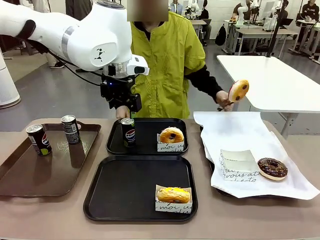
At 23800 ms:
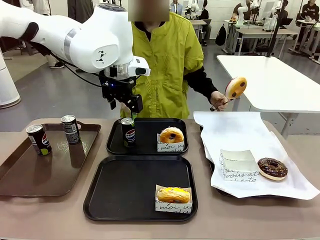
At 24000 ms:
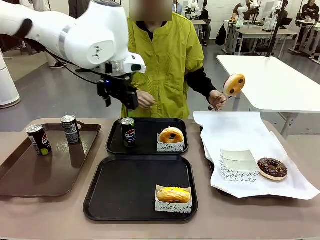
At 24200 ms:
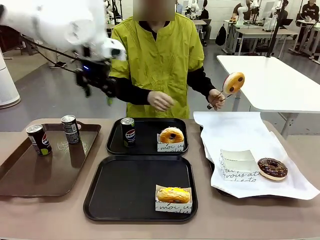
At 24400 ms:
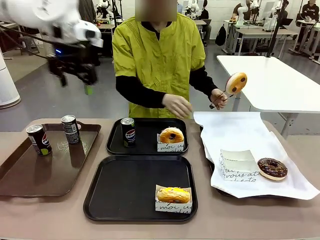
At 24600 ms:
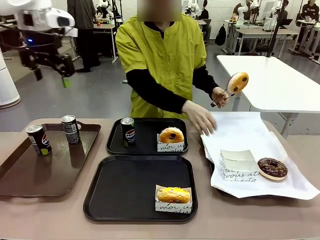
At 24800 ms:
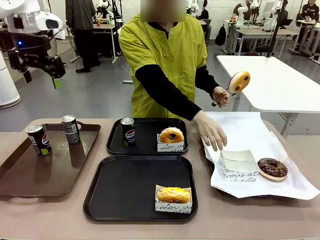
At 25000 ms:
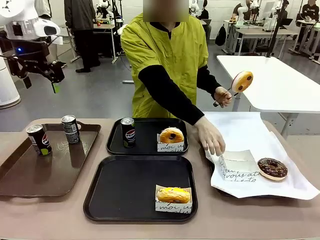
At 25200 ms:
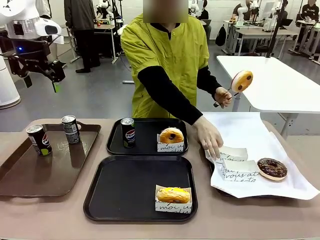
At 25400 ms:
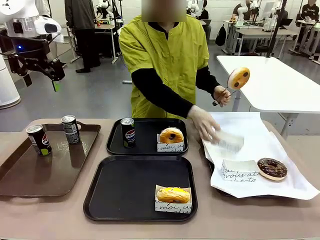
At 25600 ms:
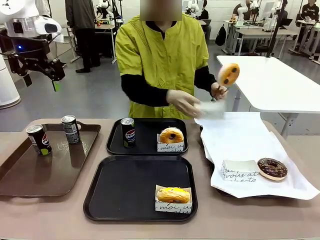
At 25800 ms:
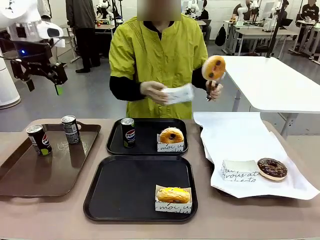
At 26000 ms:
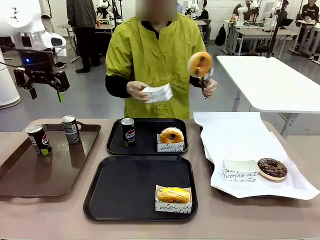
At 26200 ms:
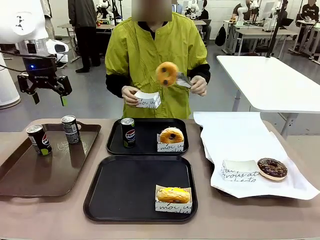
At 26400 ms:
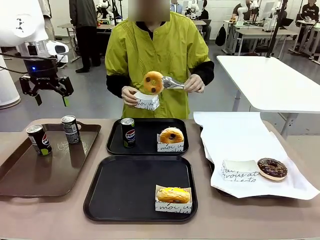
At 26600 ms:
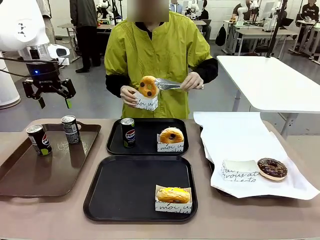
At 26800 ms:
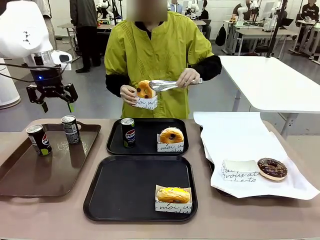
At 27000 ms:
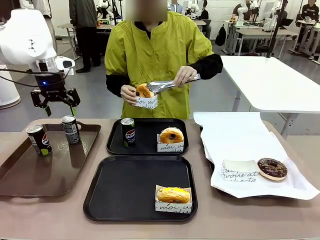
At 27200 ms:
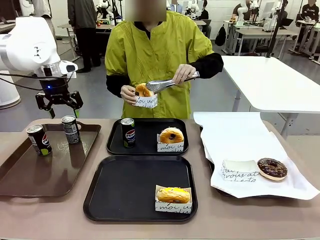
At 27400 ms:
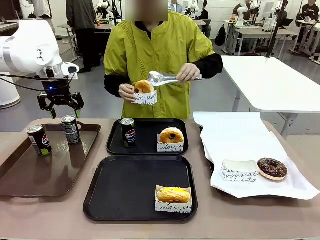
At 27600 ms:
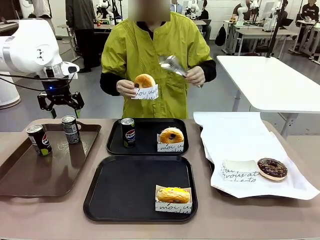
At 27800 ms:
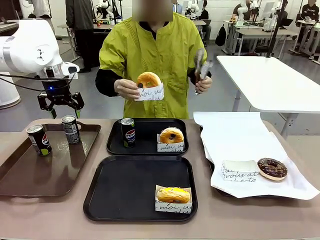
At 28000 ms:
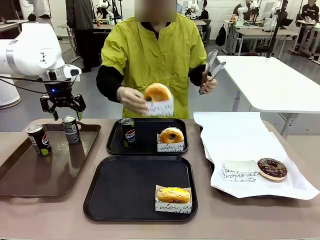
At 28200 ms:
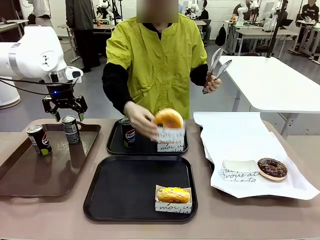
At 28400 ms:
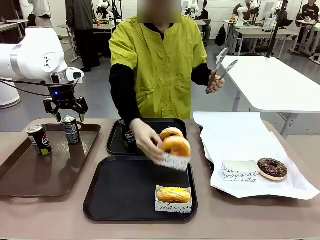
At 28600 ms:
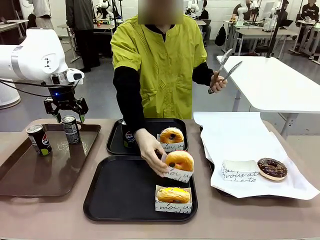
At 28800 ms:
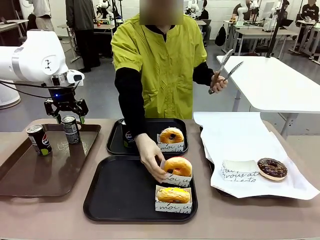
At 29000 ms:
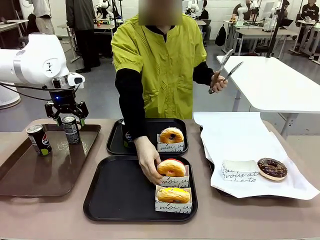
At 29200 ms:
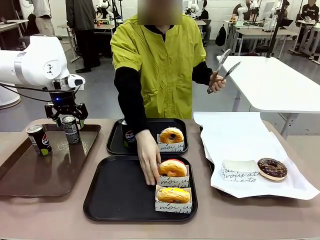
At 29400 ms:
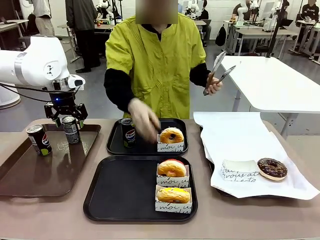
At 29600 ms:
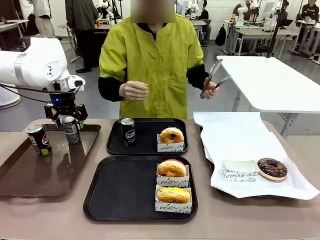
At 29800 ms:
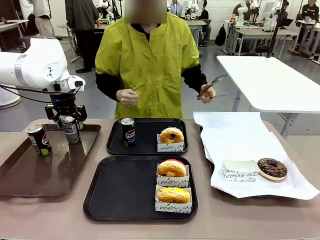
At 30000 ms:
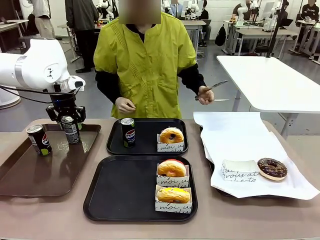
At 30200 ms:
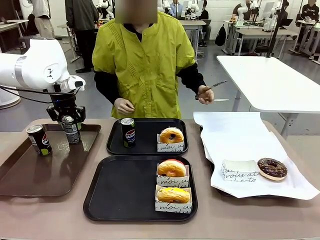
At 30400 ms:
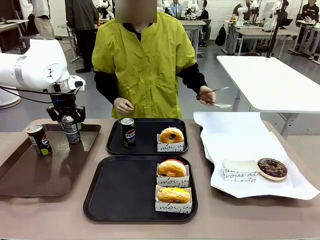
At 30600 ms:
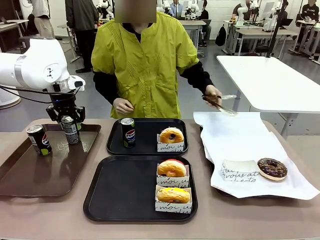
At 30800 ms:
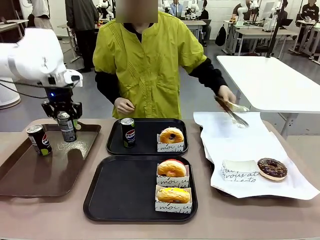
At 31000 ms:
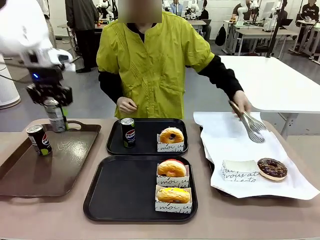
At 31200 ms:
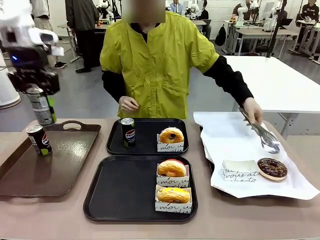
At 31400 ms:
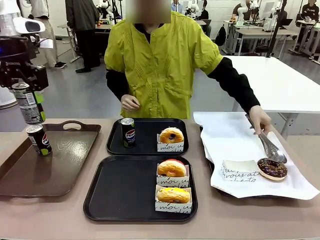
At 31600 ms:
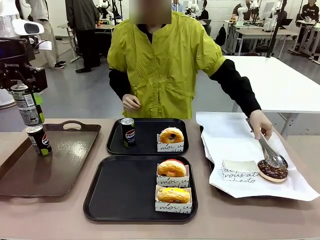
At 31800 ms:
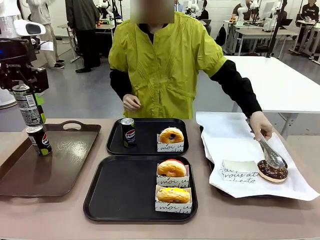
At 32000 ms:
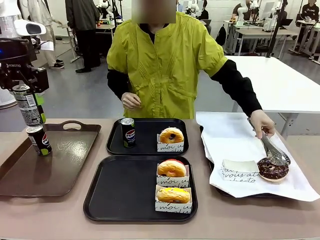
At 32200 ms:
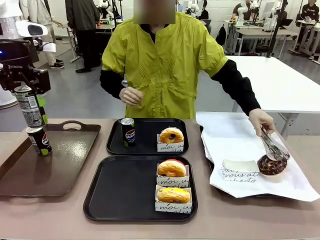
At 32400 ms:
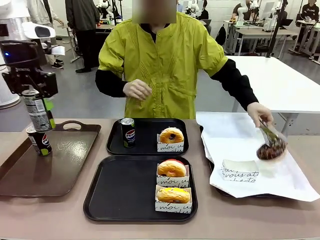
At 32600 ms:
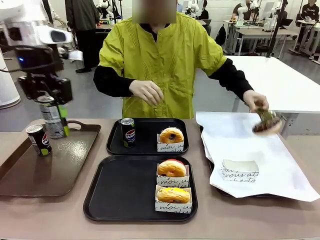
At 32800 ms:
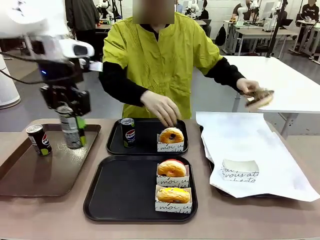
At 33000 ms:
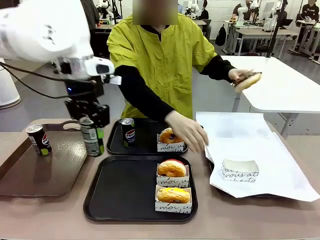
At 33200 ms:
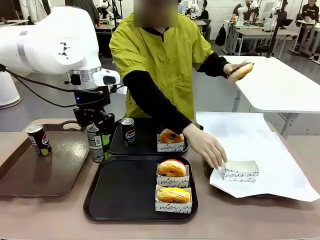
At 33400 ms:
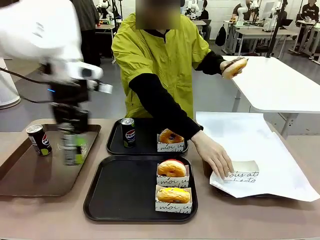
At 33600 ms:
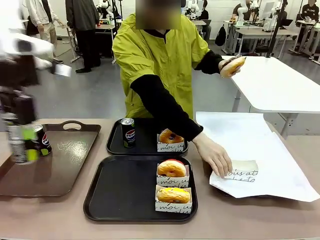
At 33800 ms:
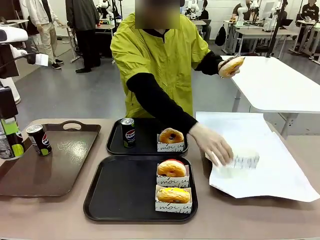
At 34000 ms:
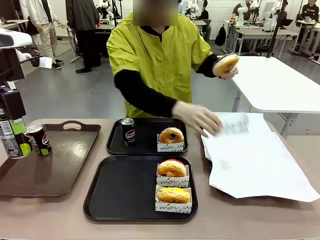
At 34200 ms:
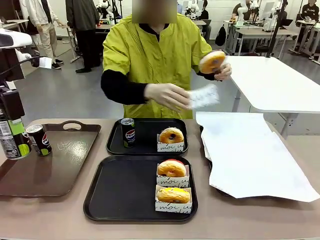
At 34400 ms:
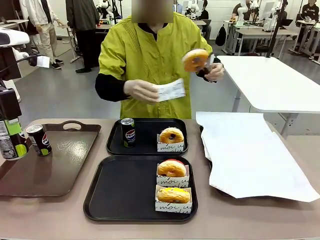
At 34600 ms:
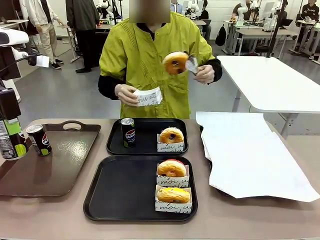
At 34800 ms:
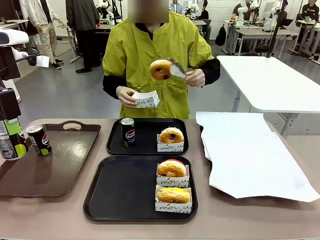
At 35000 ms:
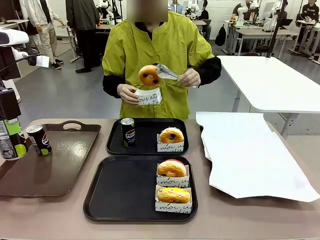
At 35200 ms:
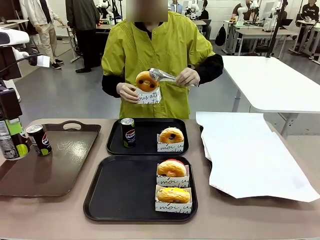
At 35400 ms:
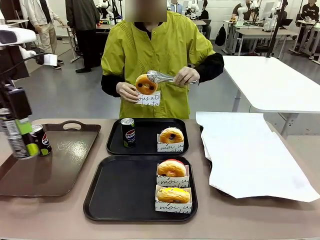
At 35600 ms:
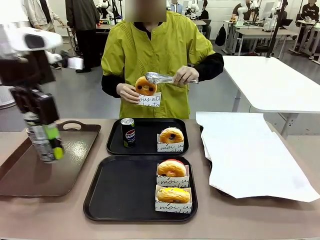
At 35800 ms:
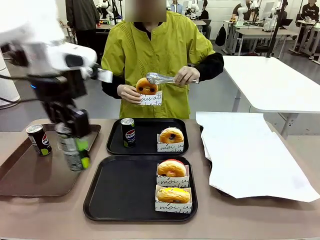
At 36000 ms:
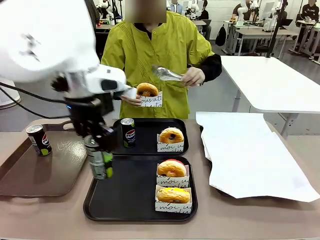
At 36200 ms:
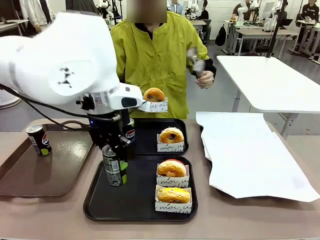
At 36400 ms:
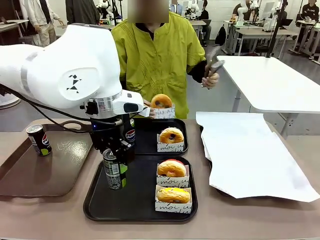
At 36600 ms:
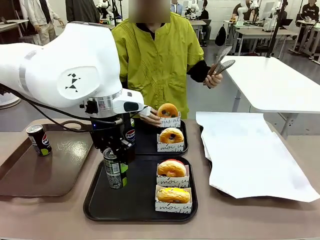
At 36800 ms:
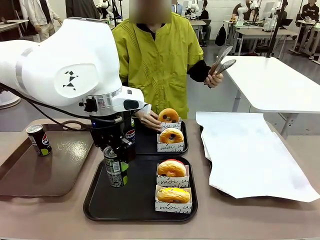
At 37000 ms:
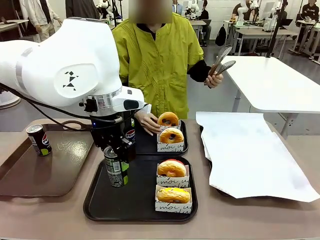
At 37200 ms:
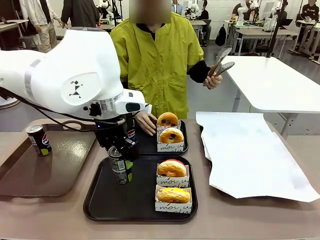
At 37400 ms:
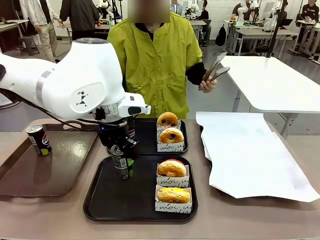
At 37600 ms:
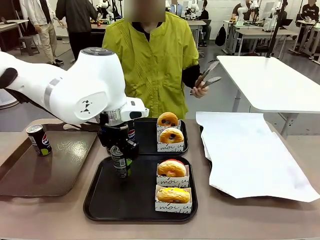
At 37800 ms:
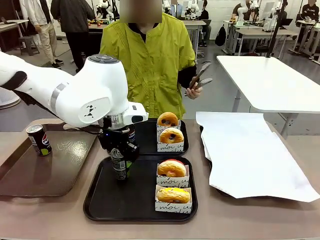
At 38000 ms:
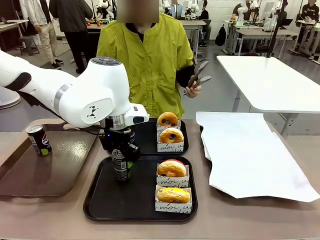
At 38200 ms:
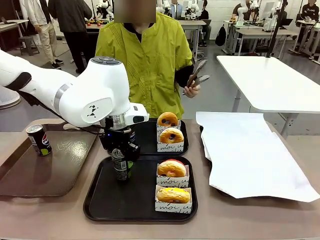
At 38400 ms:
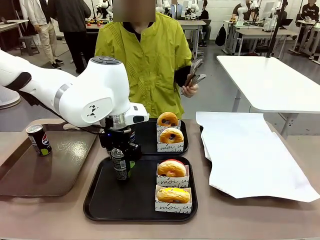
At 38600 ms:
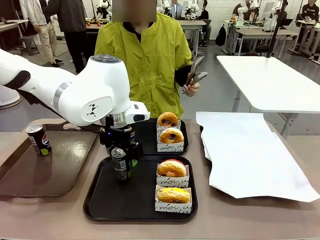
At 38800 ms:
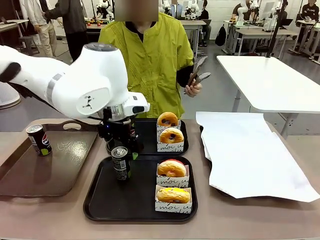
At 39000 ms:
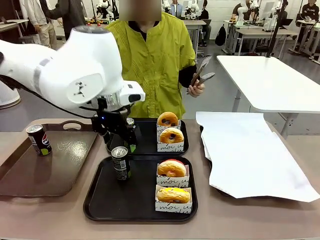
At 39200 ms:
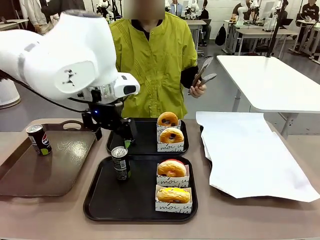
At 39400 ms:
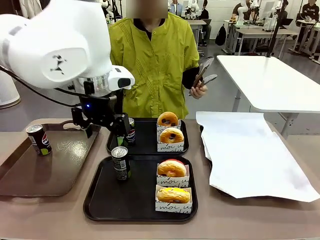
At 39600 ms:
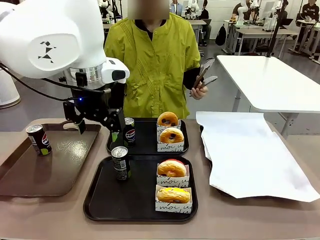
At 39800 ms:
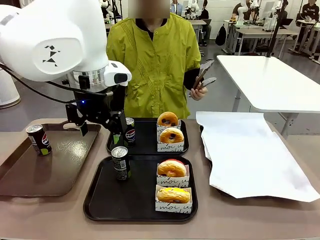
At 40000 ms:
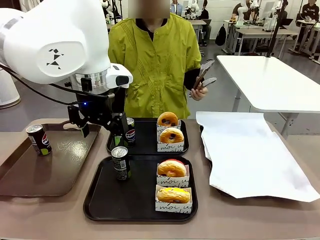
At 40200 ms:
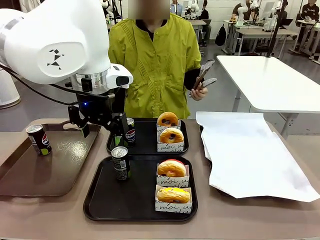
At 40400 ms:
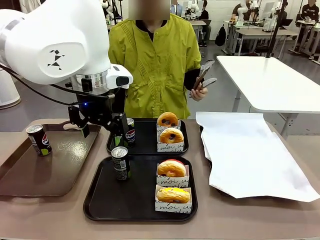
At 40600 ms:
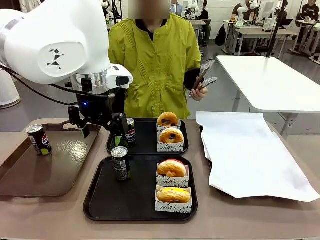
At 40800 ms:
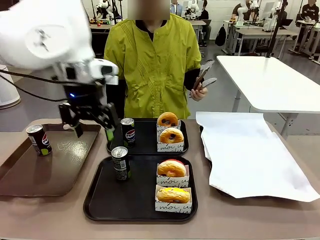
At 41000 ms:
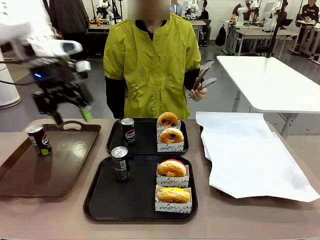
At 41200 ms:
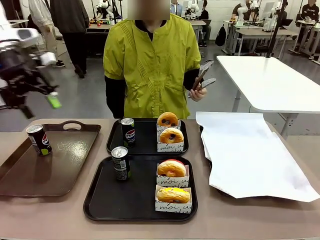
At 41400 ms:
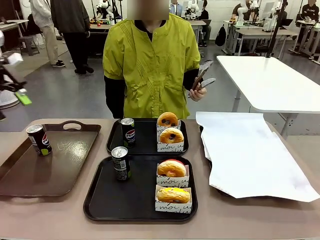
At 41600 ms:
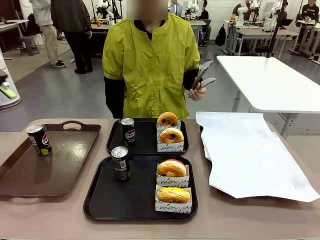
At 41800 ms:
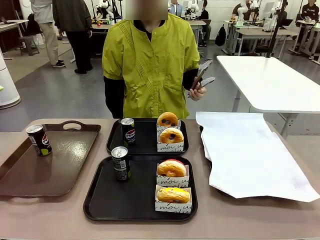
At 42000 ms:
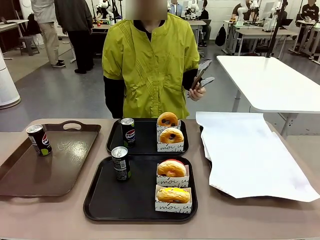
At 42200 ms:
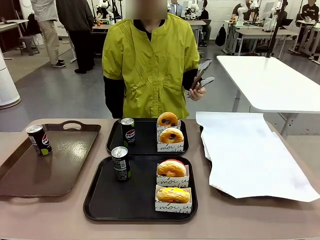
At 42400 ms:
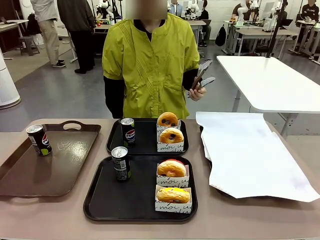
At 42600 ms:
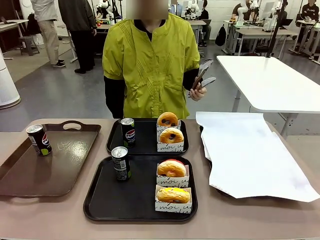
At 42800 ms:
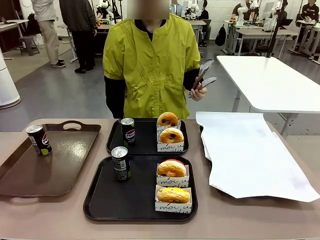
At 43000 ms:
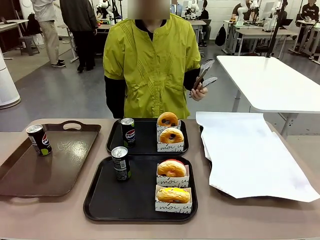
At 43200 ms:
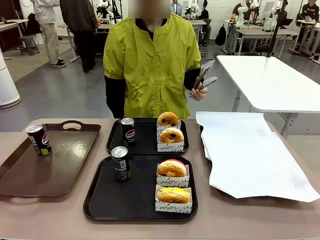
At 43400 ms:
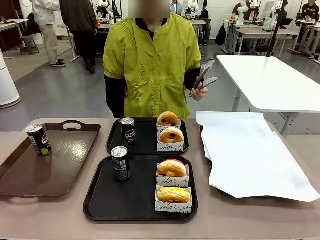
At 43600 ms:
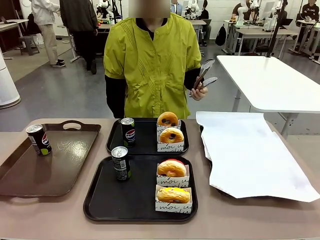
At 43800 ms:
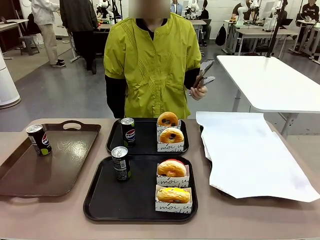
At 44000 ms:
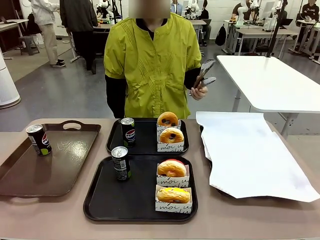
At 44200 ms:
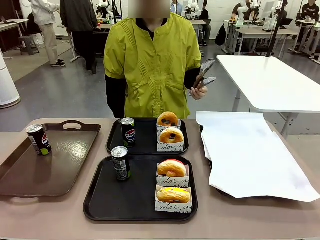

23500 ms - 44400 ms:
Task: Set up donuts and drinks on trays.
Robot: Pick up one Pepsi coke from the Handle tray and place it on the Flat Tray without a Pepsi coke.
